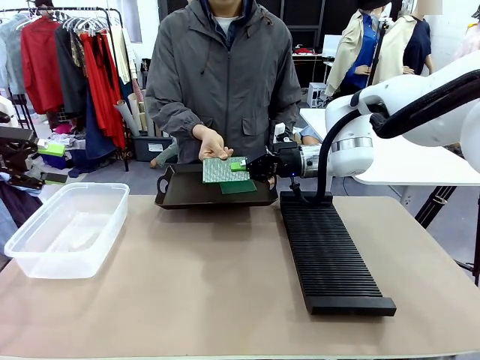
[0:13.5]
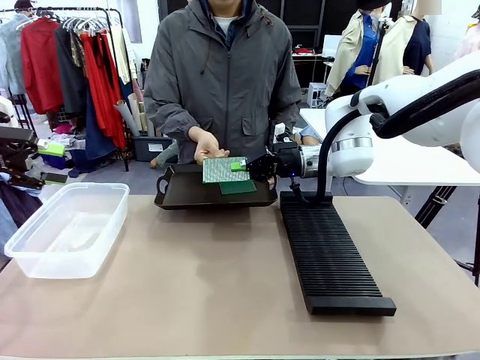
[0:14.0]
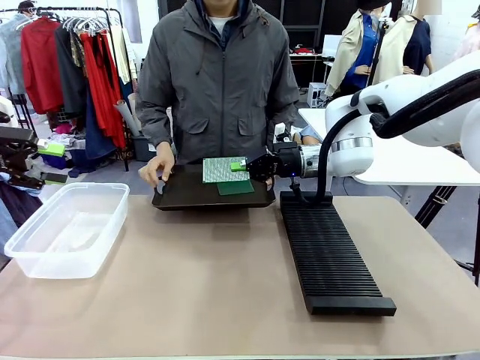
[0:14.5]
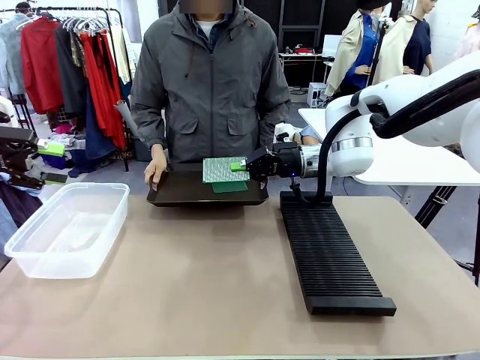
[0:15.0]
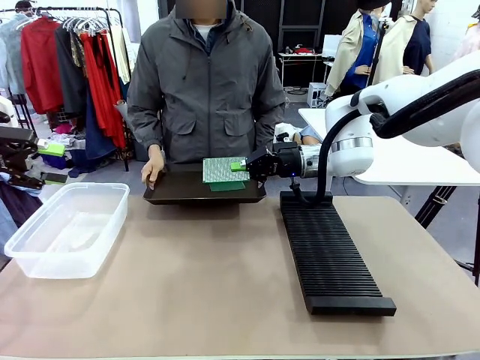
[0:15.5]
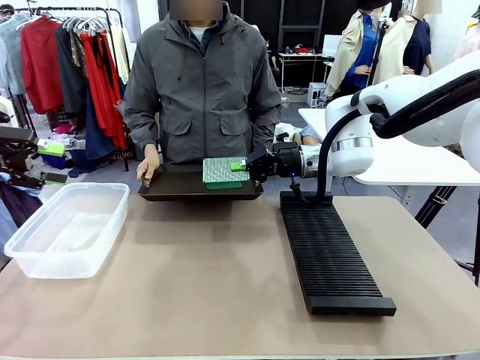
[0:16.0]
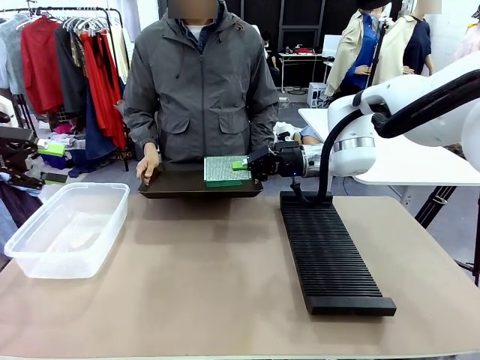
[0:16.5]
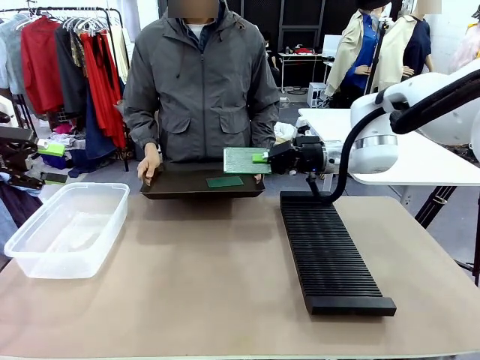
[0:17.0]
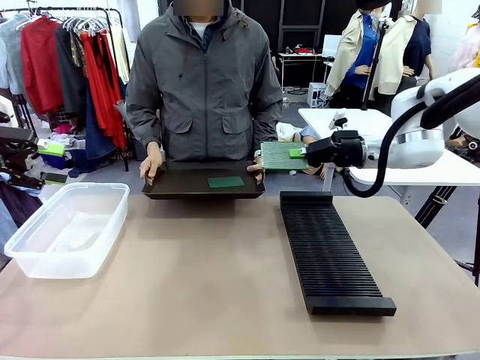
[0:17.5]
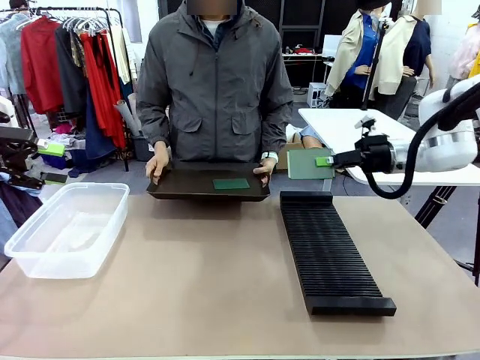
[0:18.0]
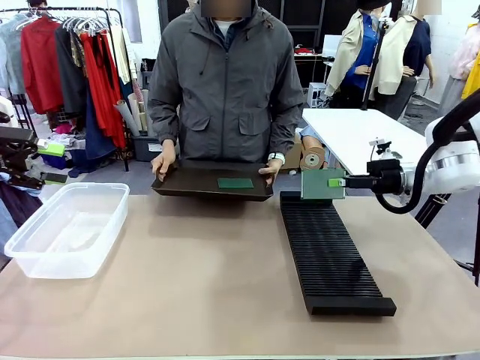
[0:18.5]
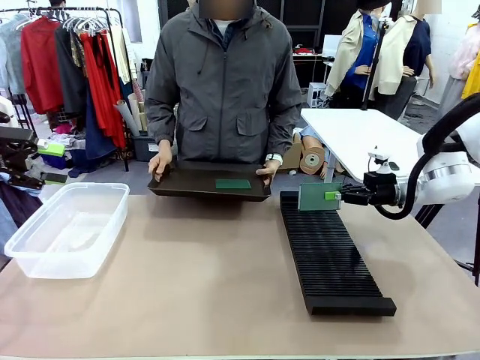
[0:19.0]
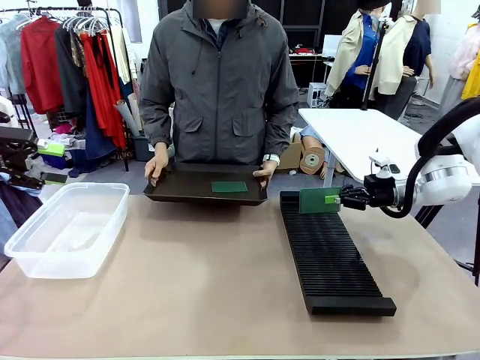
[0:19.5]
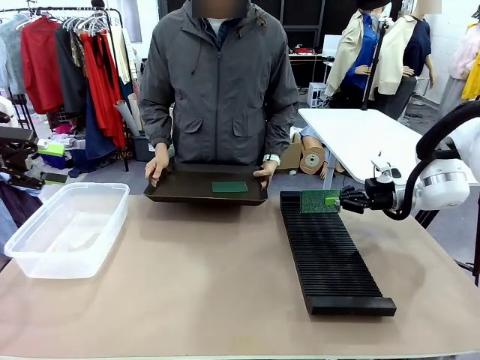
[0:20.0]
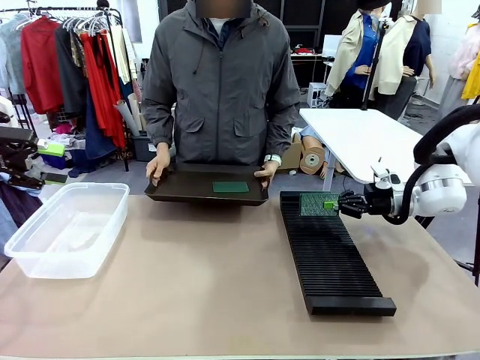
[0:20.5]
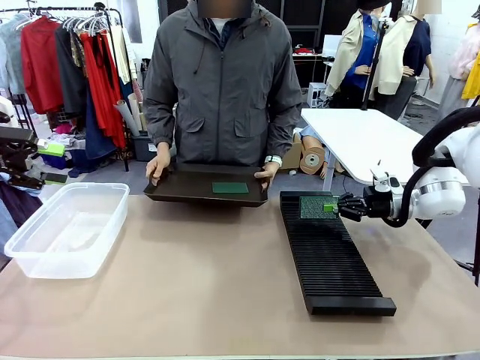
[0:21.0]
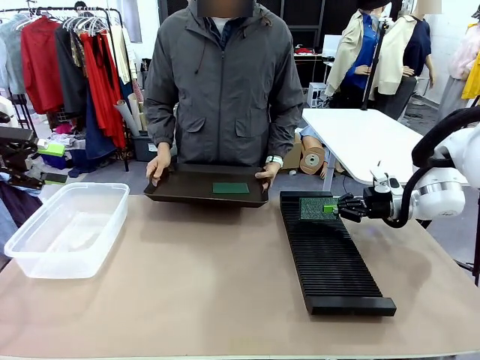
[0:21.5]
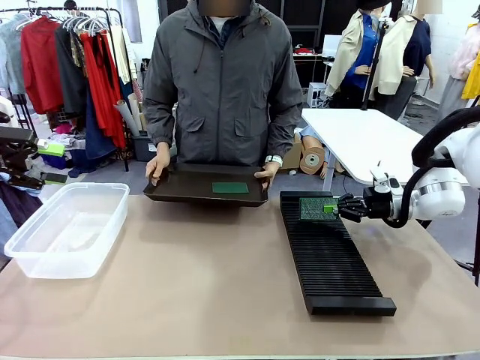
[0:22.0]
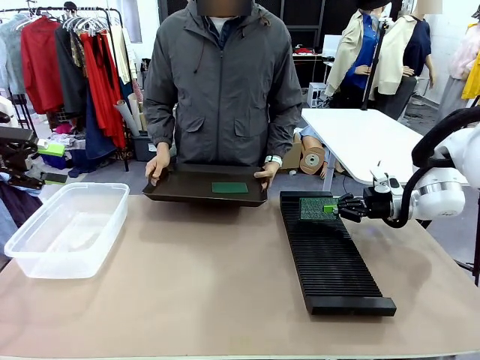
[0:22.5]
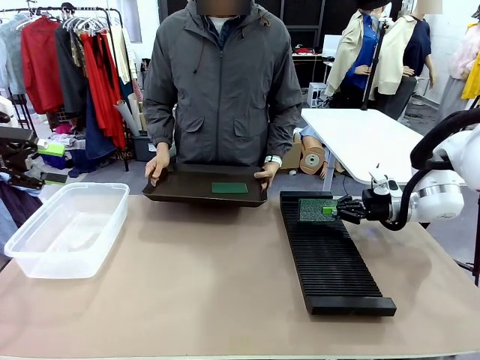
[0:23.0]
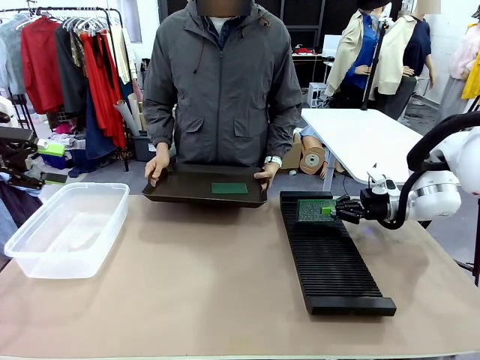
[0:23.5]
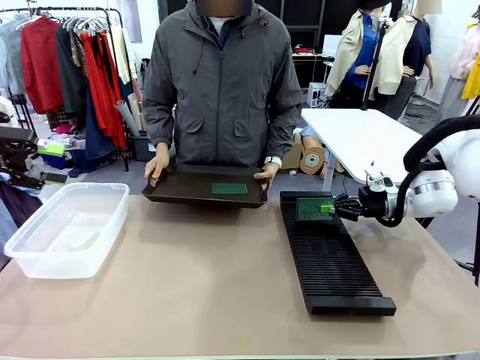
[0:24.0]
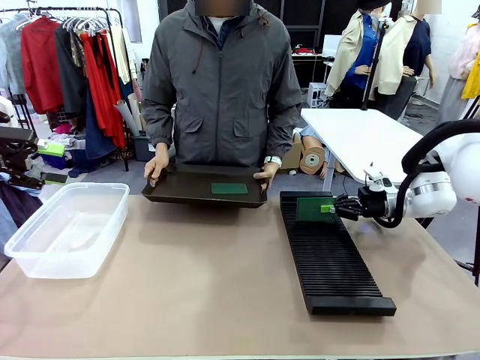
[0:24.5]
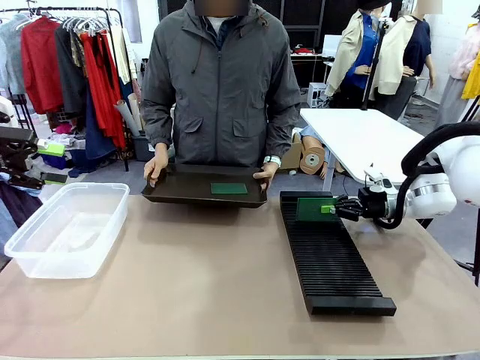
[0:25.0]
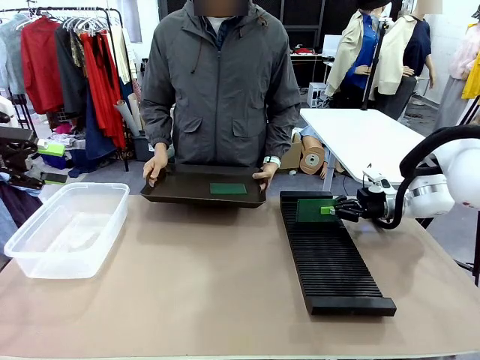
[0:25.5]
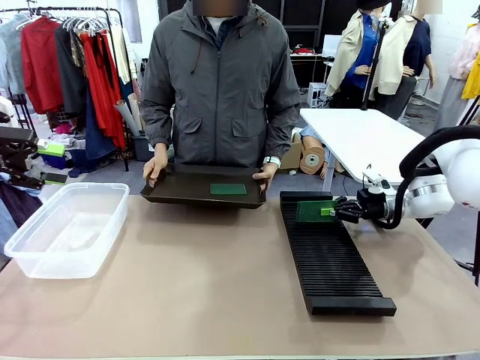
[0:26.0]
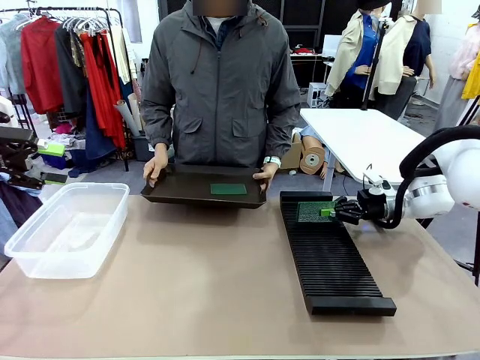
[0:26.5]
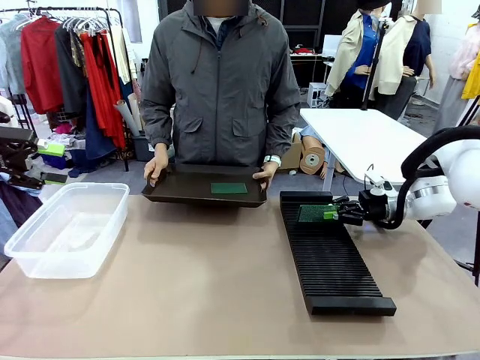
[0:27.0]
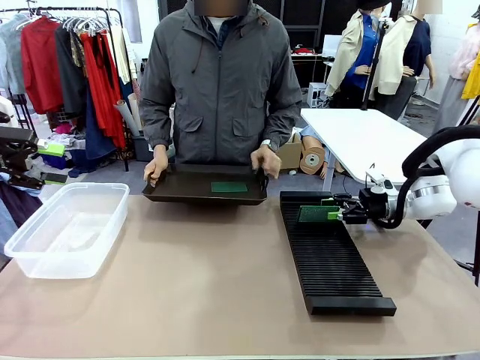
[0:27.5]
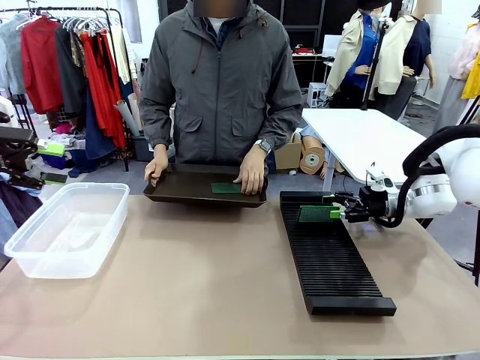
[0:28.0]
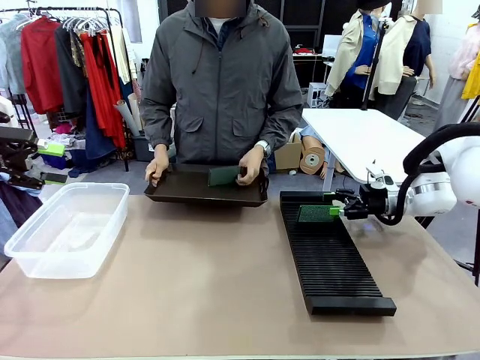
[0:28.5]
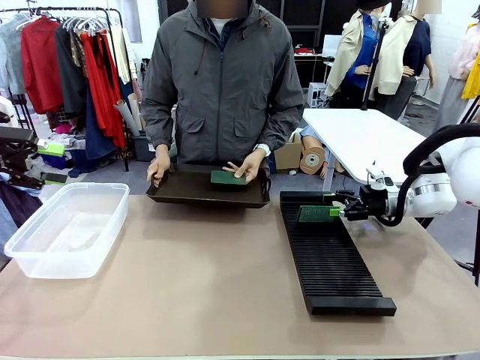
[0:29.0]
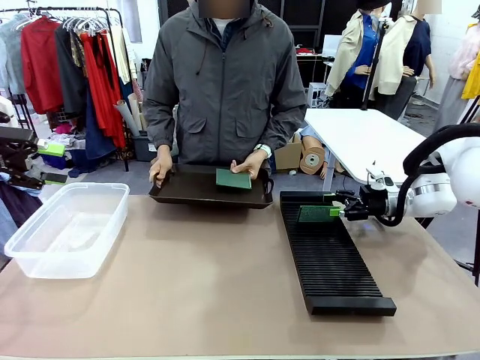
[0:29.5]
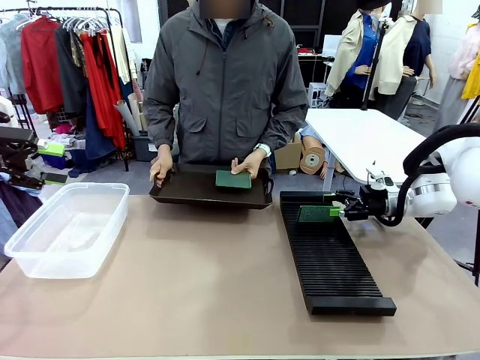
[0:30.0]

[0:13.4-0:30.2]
Task: Sort PCBs into racks and boxes based on the side picked up.
Robot: If the short side of the Blank PCB is picked up, insert it into the PCB Rack ; if the long side is picked up, place it in the Organizing box.
Person: Pick one PCB from the tray and present it to the robot.

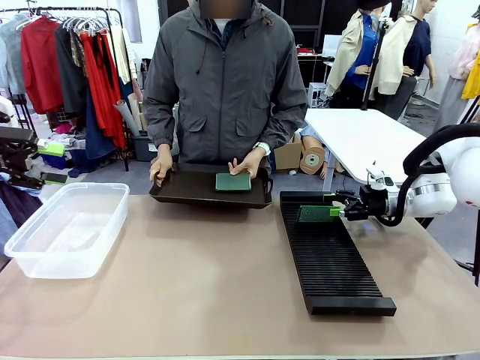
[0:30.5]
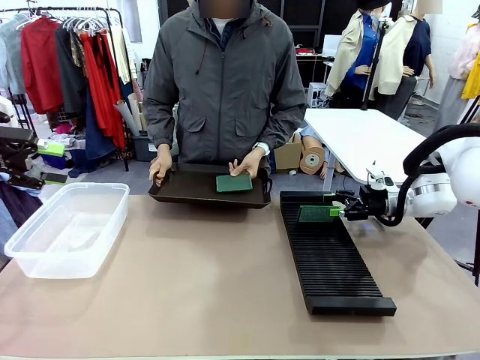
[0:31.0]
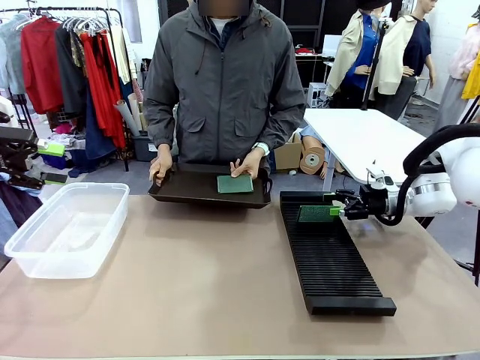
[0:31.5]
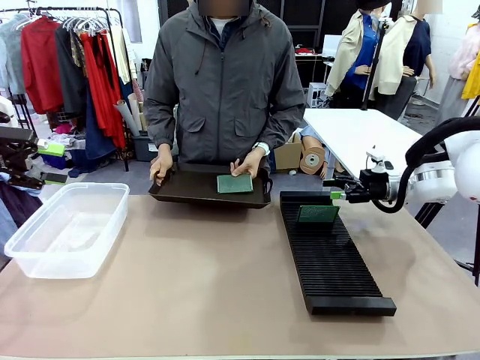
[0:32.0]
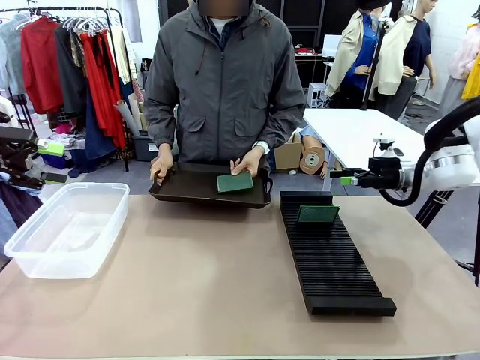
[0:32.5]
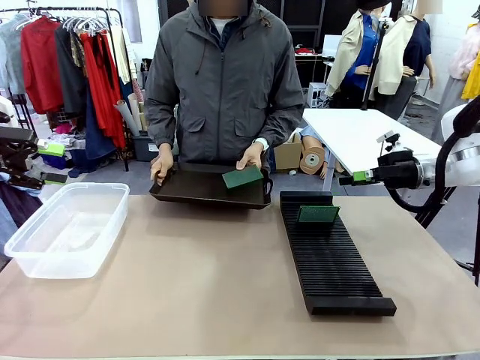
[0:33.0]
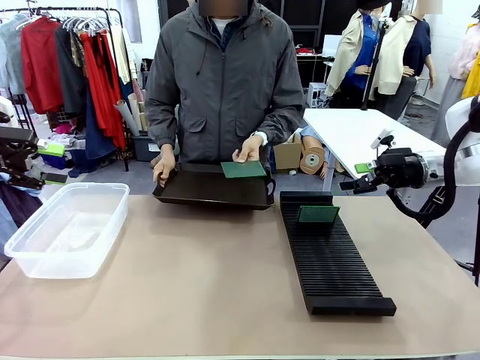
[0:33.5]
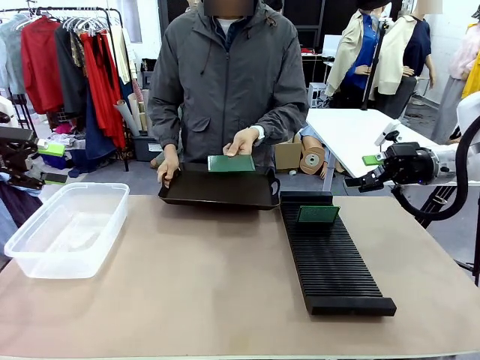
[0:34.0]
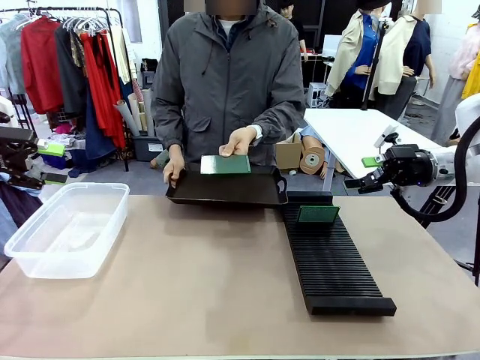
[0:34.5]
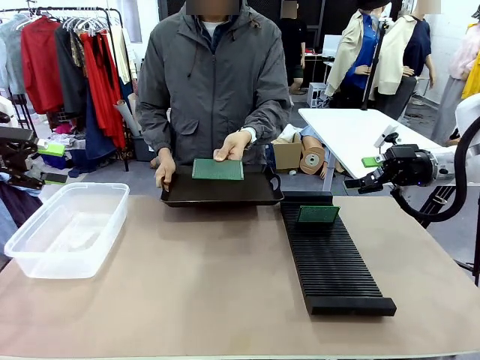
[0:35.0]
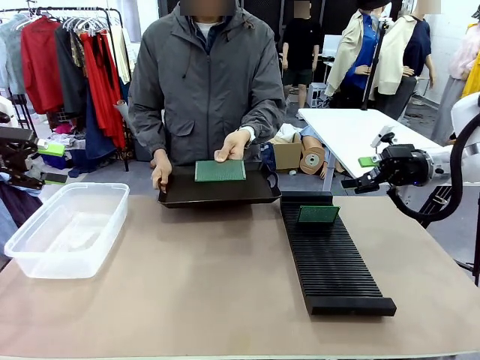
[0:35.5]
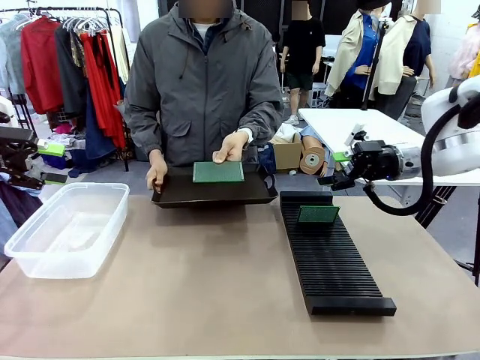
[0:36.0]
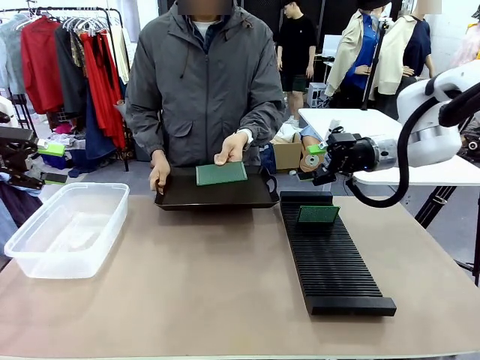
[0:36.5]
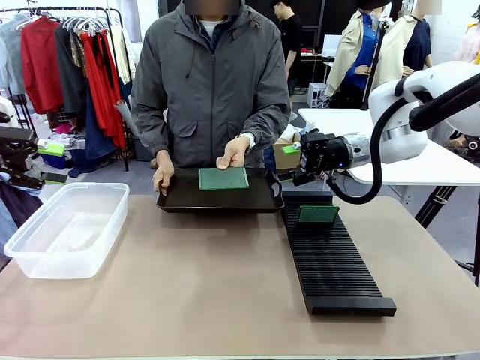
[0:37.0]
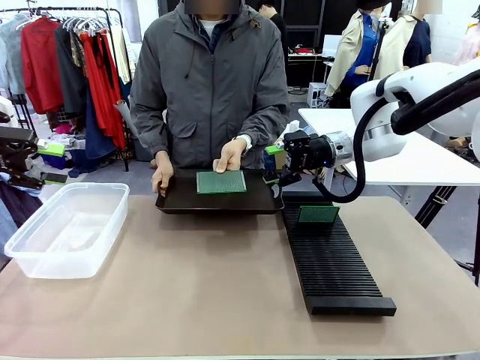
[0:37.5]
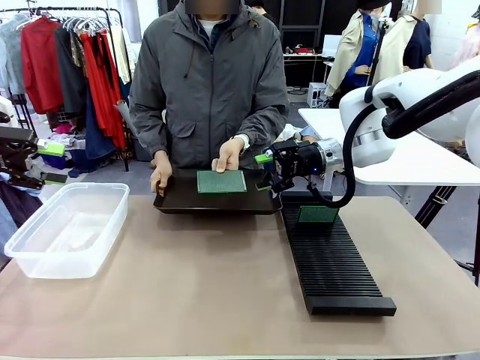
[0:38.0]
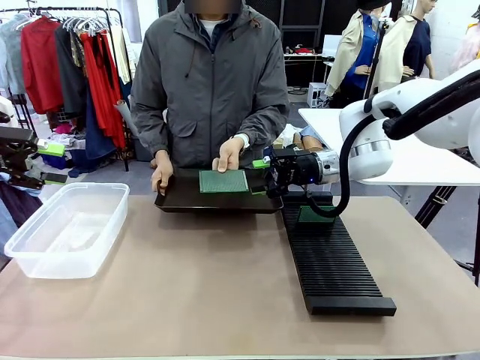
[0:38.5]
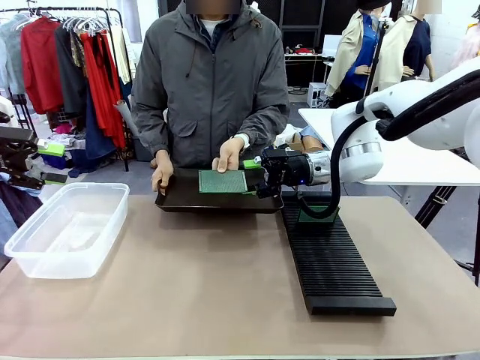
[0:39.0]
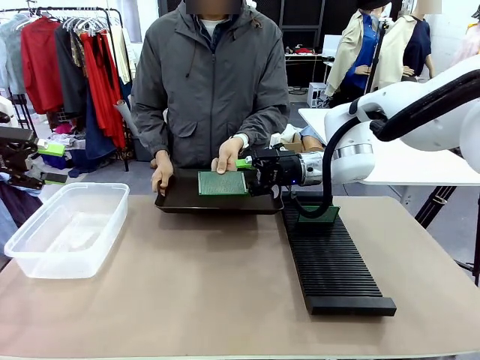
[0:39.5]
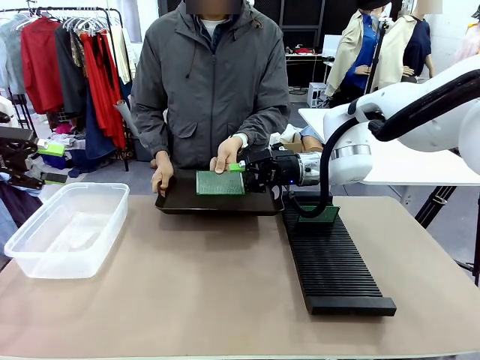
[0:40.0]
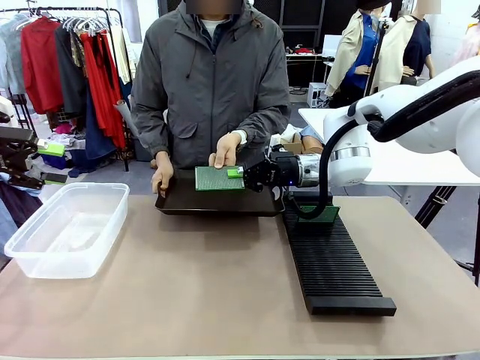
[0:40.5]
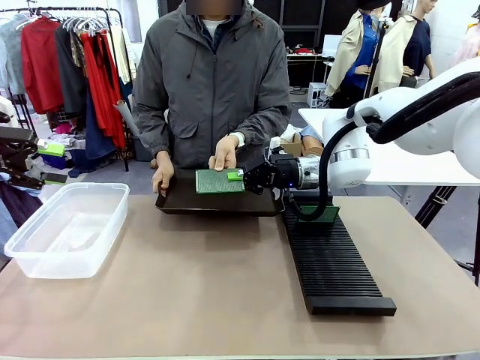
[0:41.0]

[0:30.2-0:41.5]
Robot: Pick up the Blank PCB handed by the Human.
